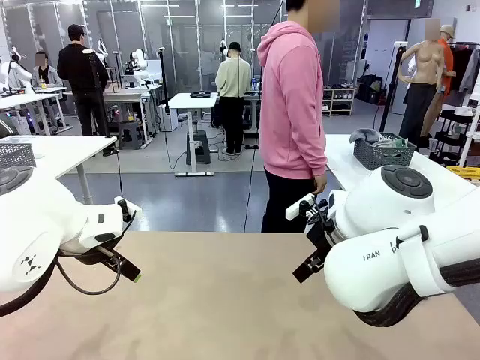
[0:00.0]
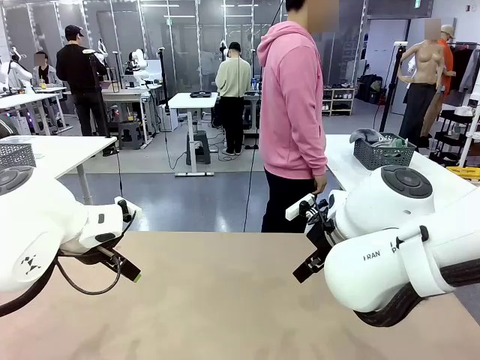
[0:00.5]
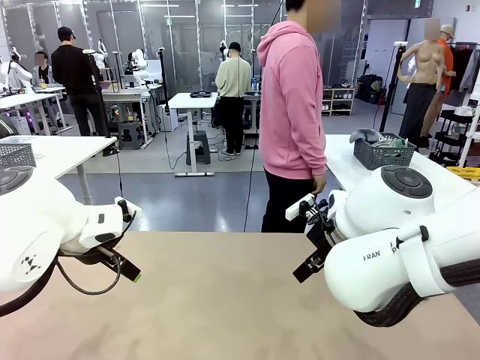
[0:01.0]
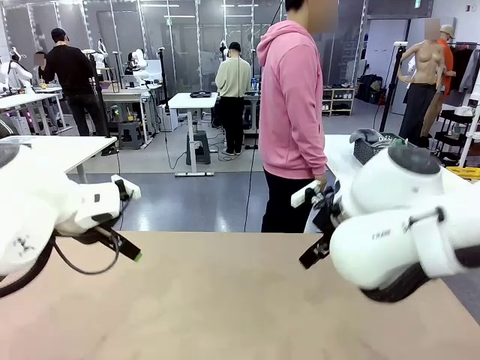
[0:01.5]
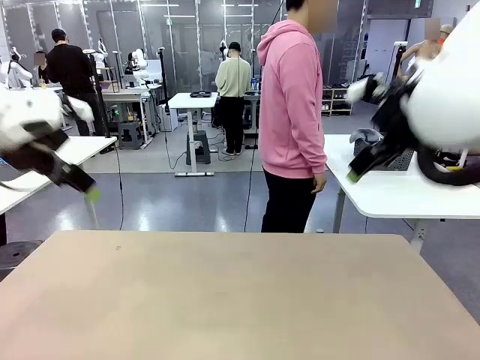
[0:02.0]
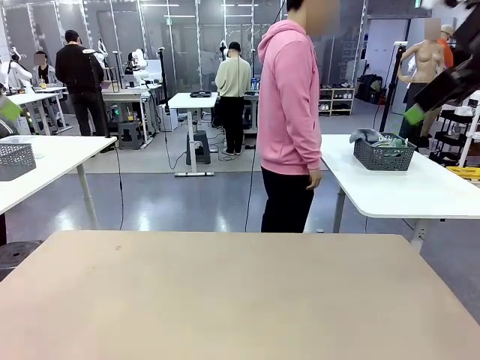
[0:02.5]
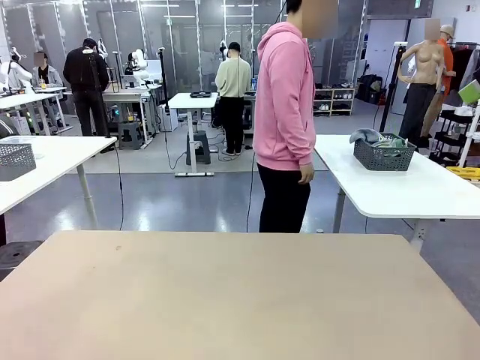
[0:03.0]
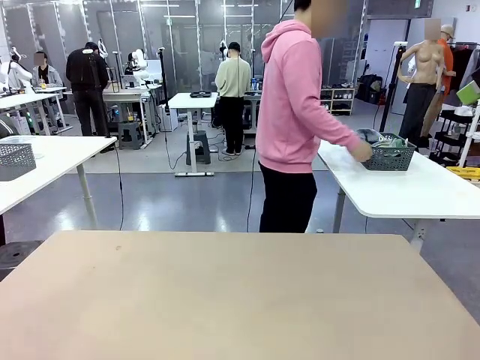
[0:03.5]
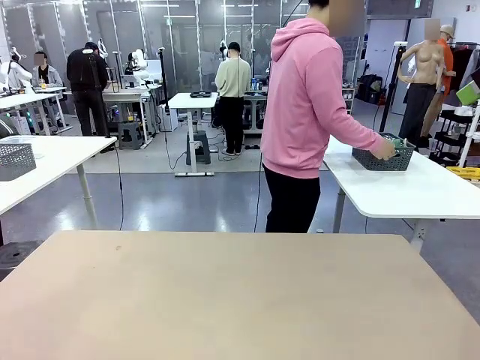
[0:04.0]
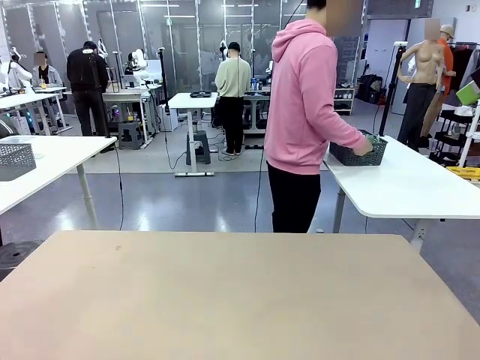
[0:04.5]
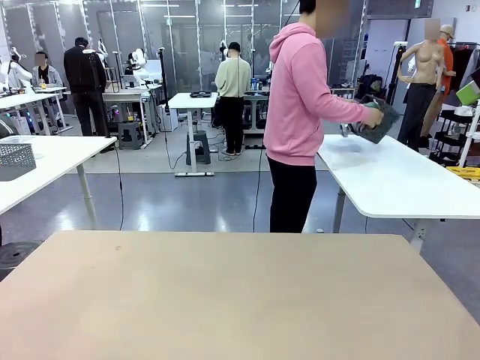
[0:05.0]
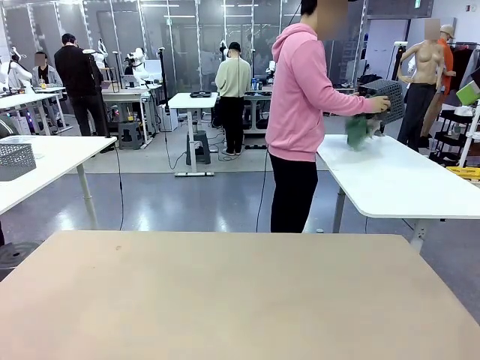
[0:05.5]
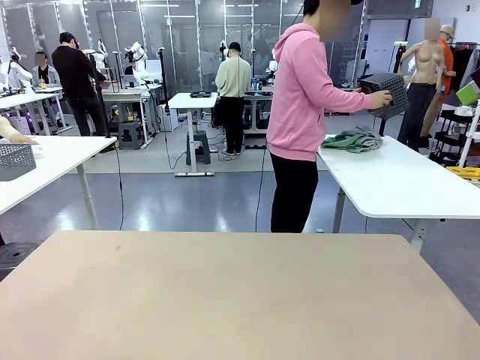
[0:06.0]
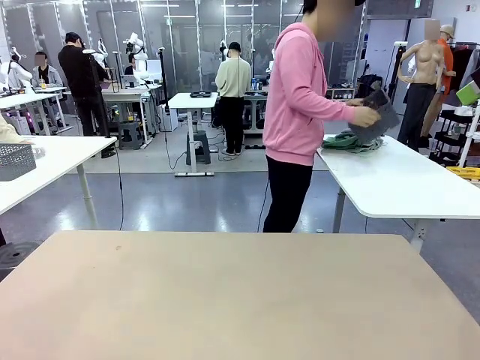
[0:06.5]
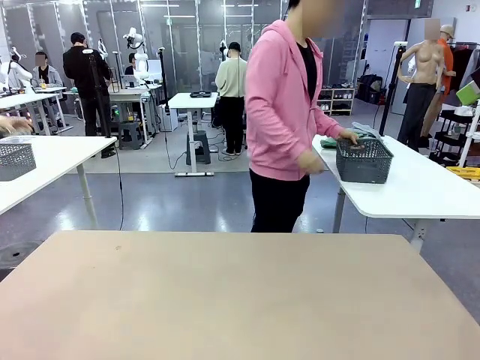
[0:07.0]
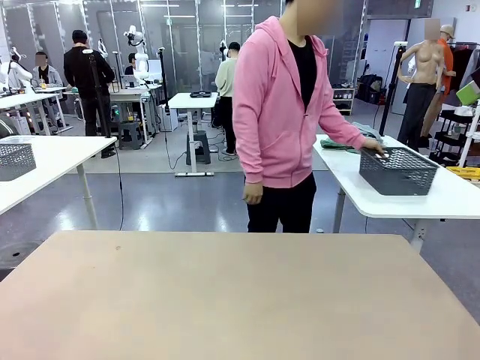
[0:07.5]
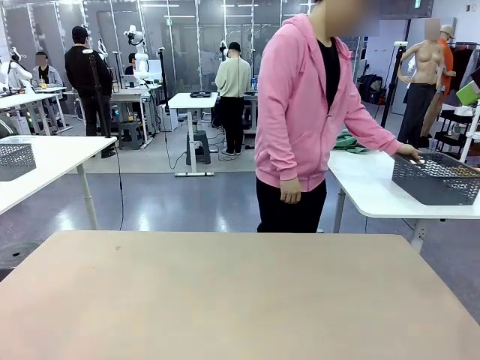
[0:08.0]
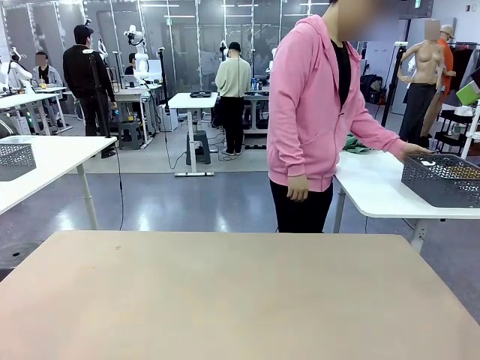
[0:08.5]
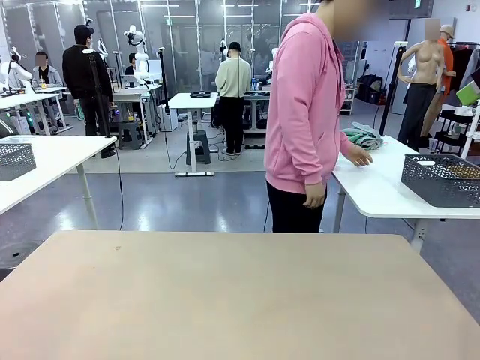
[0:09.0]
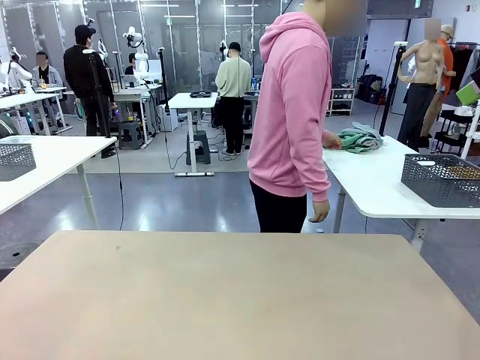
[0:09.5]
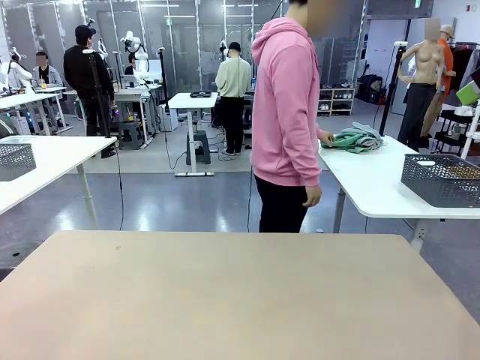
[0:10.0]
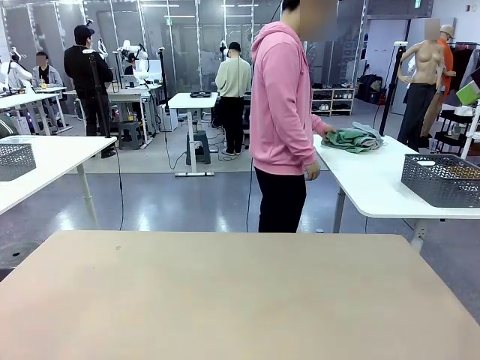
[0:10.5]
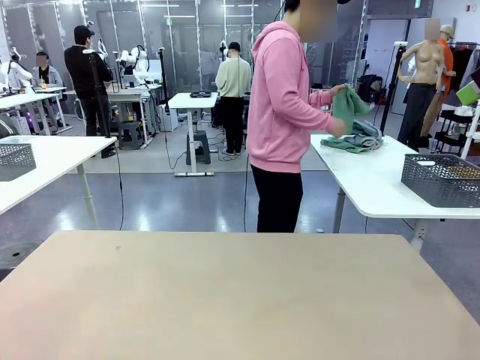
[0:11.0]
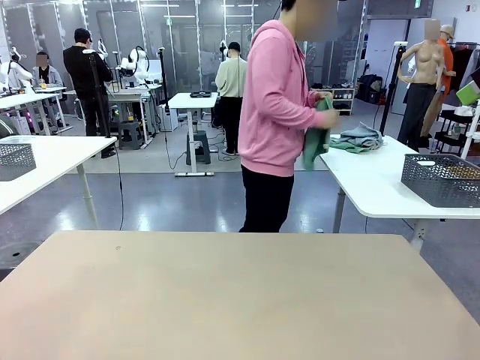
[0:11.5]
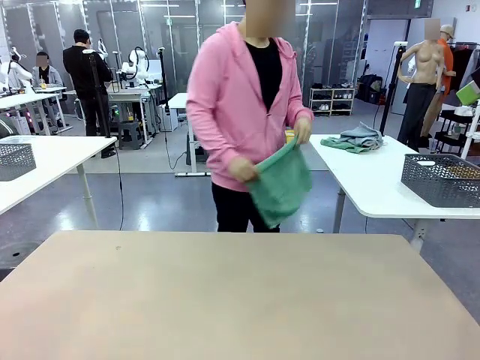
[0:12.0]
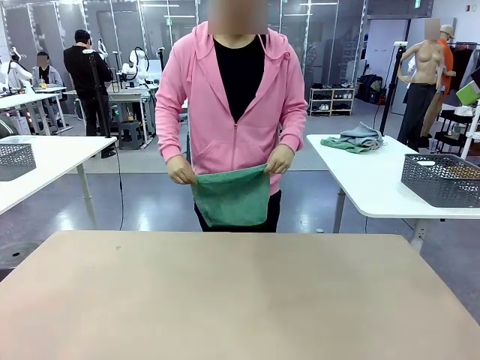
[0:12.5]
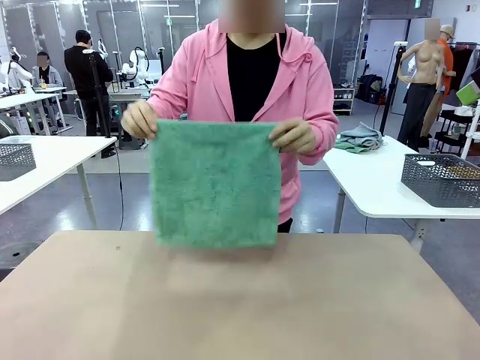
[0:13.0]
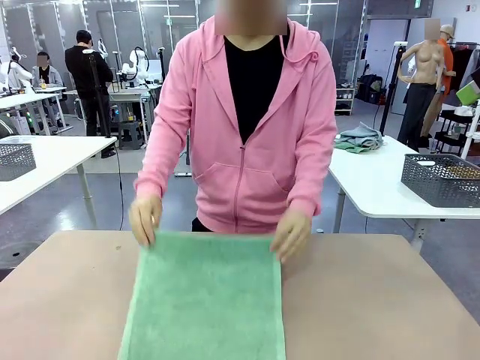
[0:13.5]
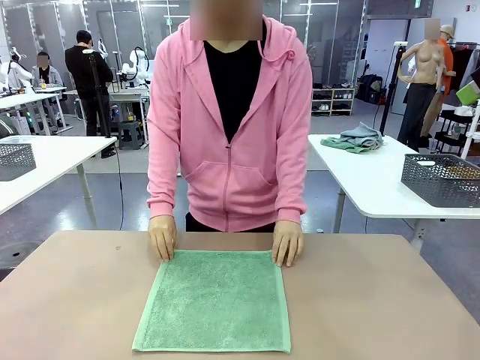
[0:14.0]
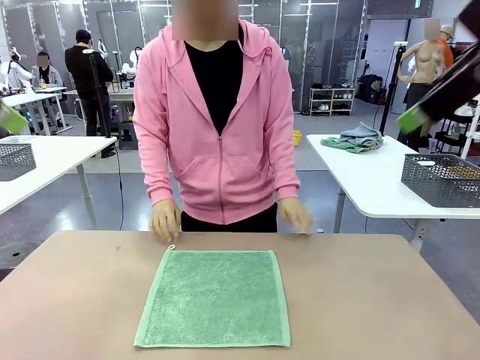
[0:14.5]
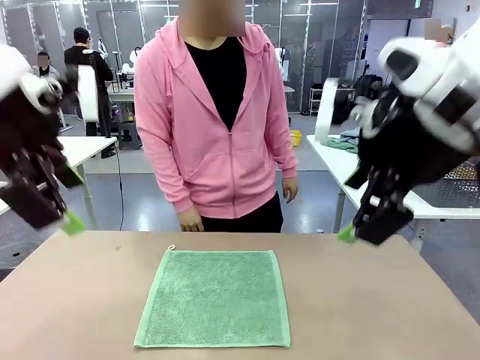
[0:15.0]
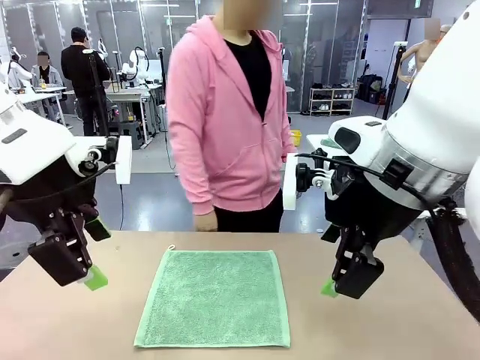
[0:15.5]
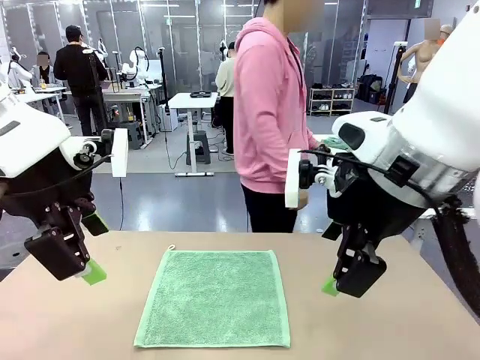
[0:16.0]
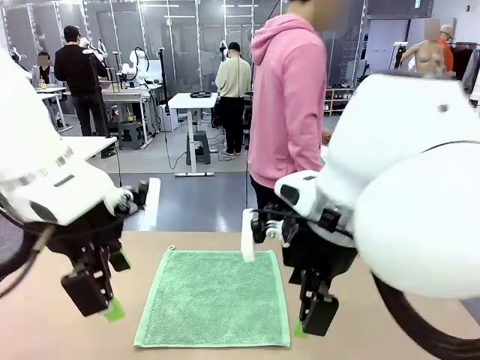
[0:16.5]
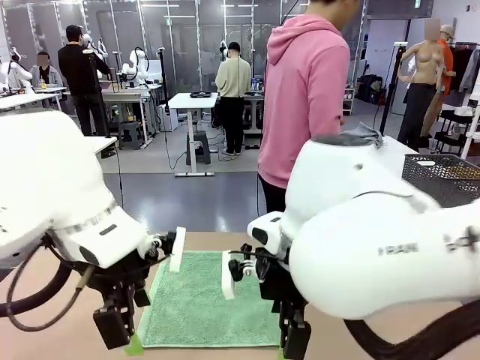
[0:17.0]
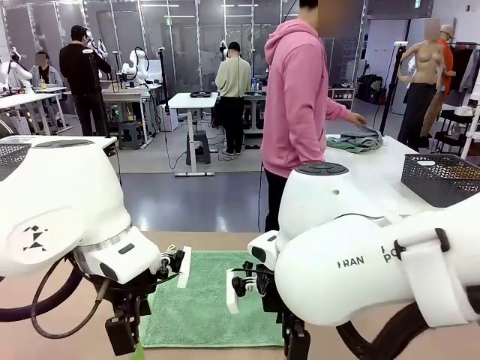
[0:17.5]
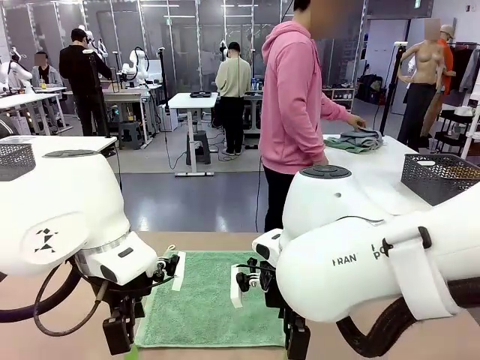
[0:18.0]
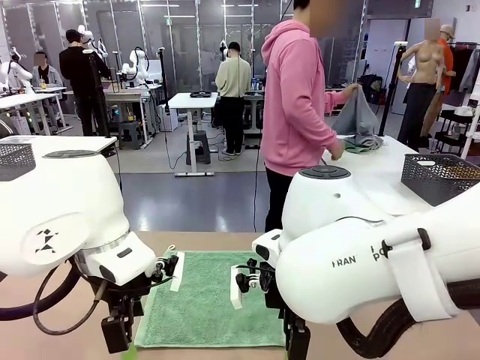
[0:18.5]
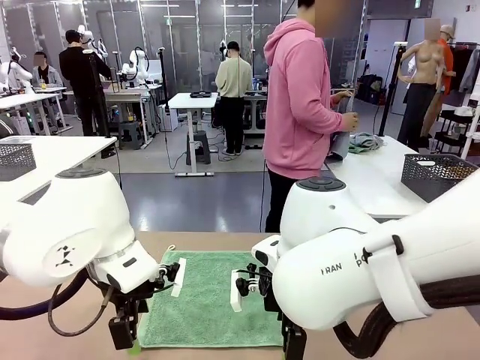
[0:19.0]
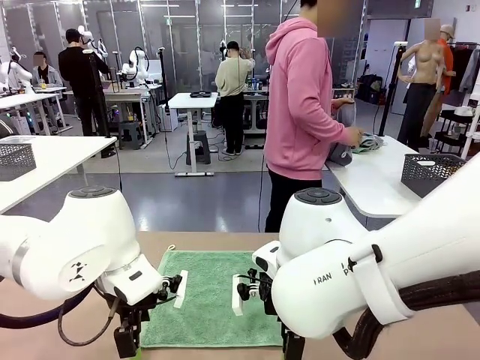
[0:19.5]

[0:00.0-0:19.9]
Task: Fold the towels and place them in the basket.
Robot: When a person lays out a Towel with hook on the table, fold it in half twice.
Person: Pick up the basket, pour the towels onto the left side of the human table, and place the basket on the right side. Pick up one towel and spread it out at the center of the robot table.
